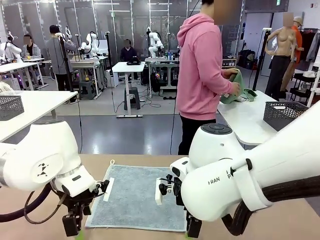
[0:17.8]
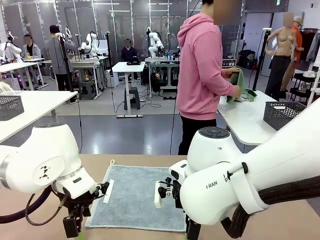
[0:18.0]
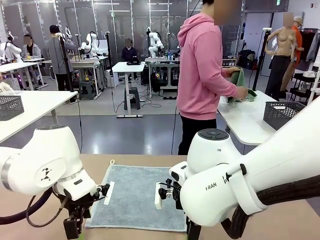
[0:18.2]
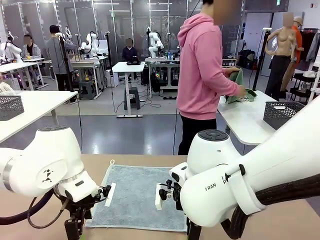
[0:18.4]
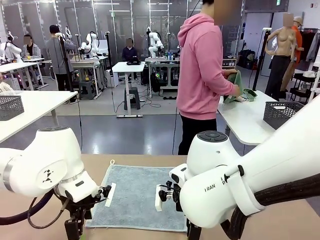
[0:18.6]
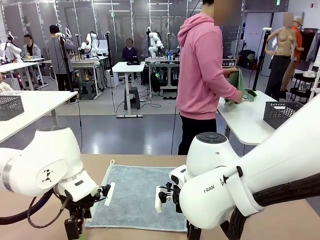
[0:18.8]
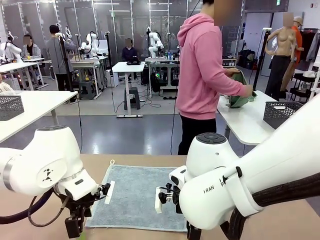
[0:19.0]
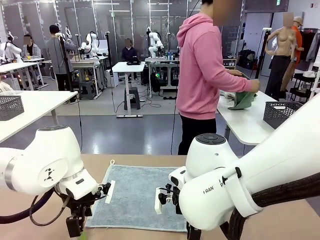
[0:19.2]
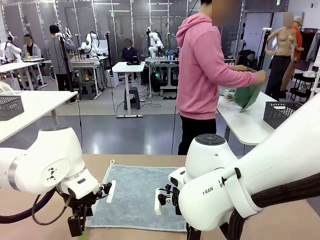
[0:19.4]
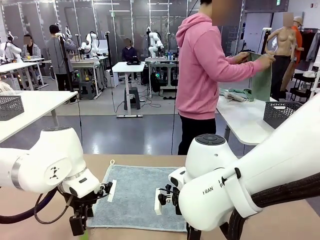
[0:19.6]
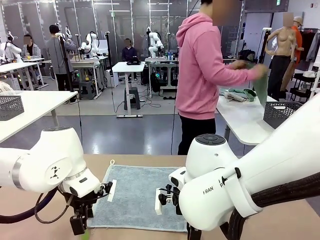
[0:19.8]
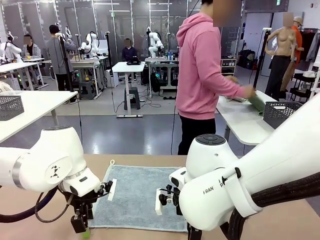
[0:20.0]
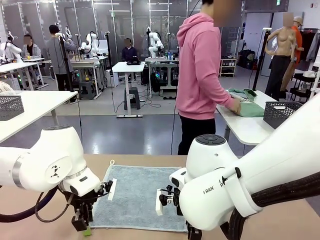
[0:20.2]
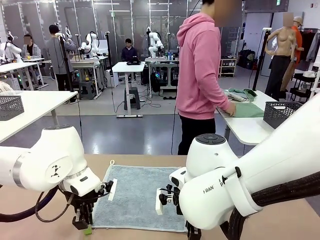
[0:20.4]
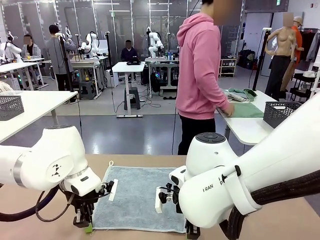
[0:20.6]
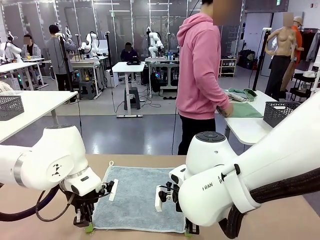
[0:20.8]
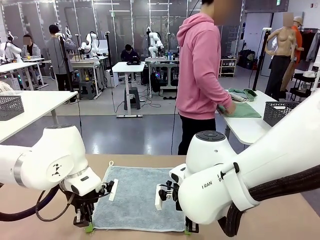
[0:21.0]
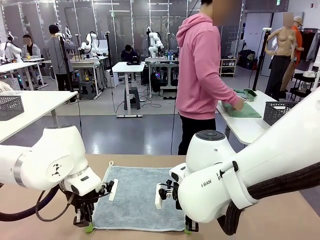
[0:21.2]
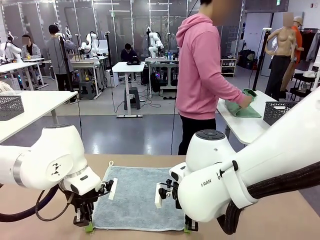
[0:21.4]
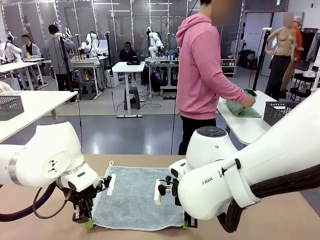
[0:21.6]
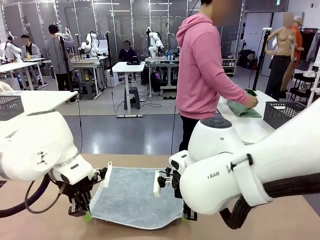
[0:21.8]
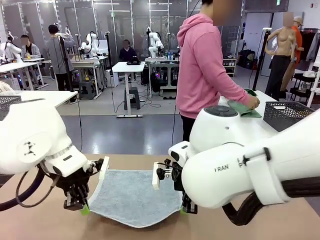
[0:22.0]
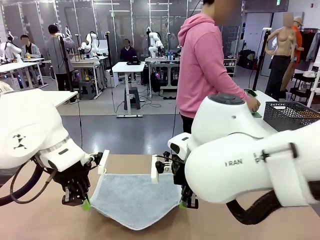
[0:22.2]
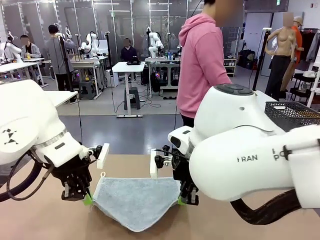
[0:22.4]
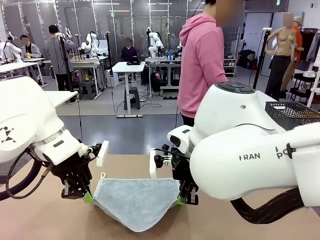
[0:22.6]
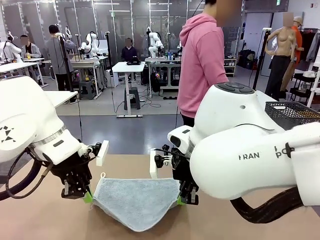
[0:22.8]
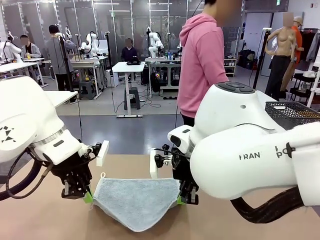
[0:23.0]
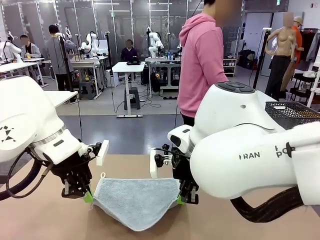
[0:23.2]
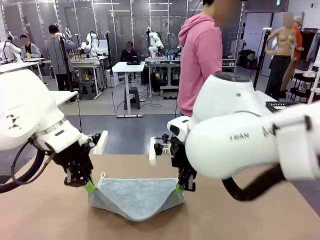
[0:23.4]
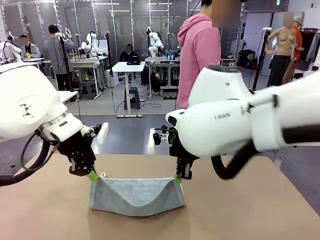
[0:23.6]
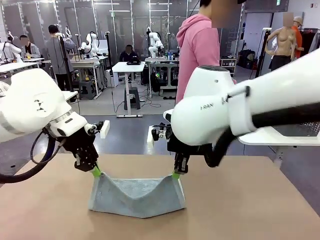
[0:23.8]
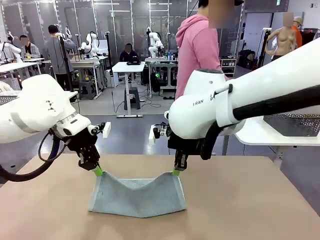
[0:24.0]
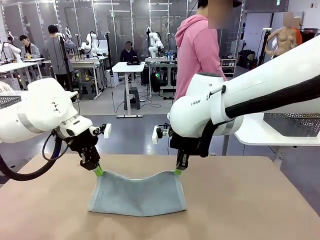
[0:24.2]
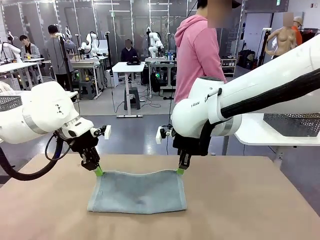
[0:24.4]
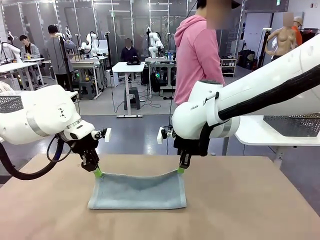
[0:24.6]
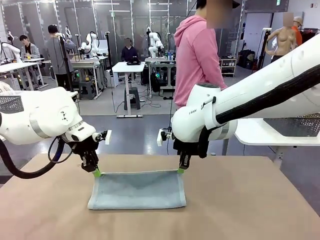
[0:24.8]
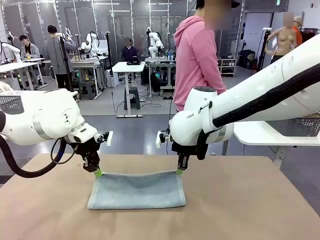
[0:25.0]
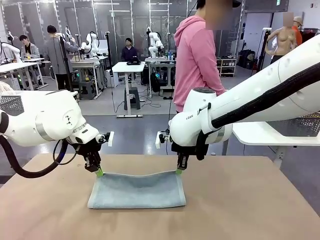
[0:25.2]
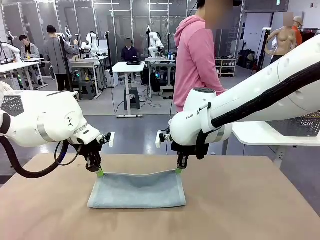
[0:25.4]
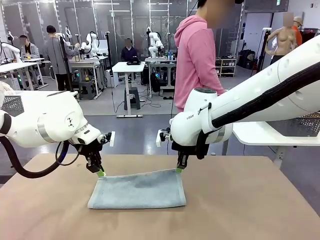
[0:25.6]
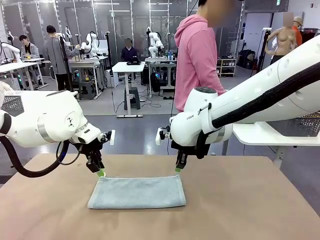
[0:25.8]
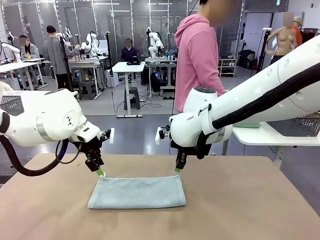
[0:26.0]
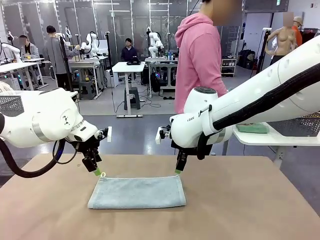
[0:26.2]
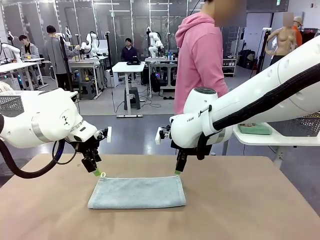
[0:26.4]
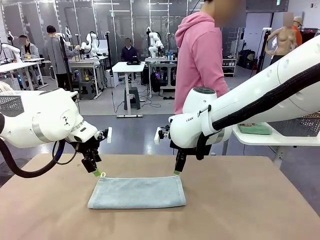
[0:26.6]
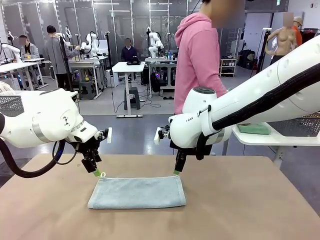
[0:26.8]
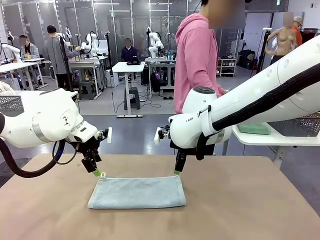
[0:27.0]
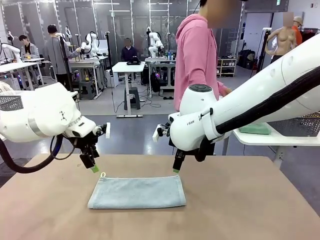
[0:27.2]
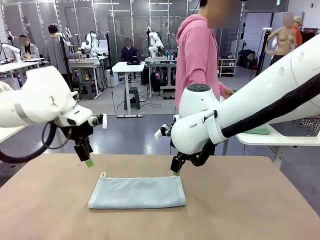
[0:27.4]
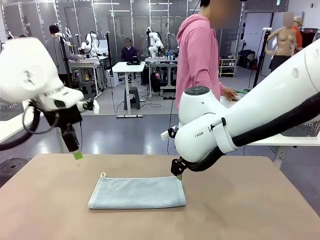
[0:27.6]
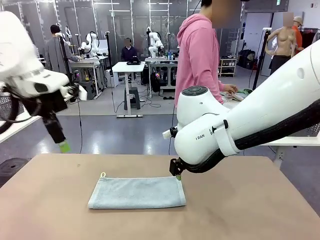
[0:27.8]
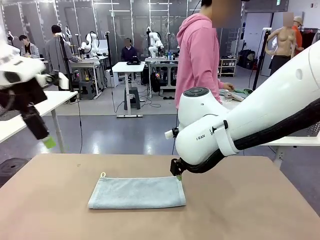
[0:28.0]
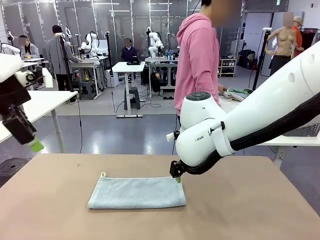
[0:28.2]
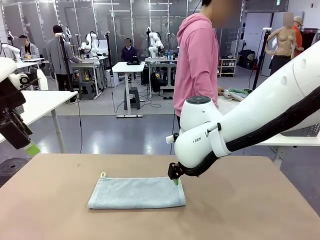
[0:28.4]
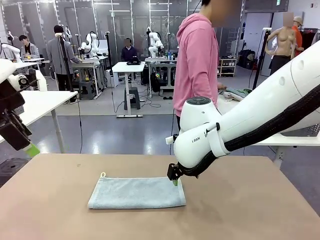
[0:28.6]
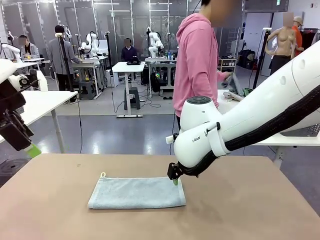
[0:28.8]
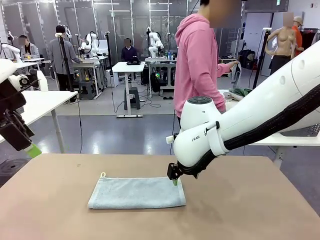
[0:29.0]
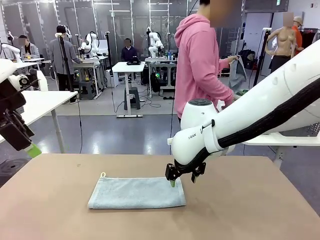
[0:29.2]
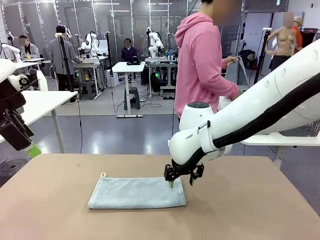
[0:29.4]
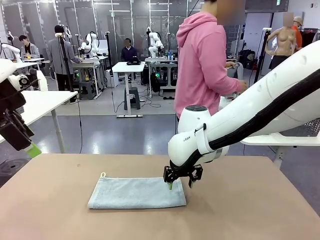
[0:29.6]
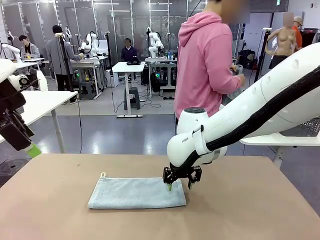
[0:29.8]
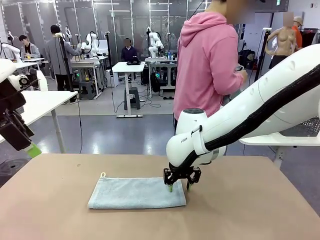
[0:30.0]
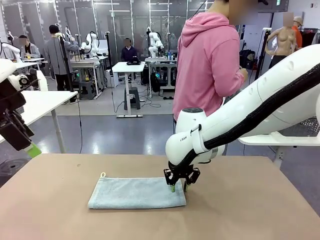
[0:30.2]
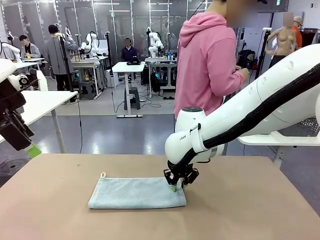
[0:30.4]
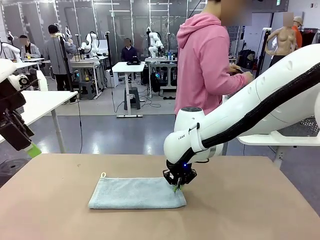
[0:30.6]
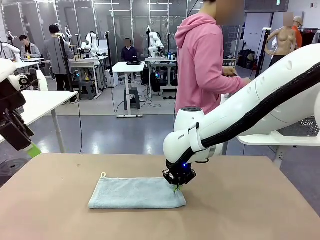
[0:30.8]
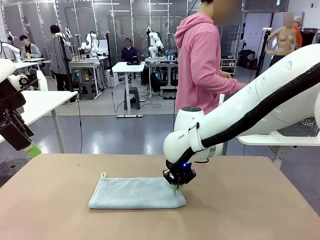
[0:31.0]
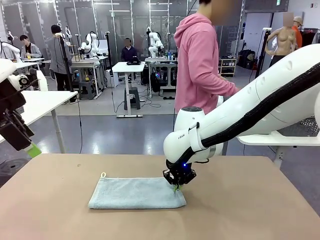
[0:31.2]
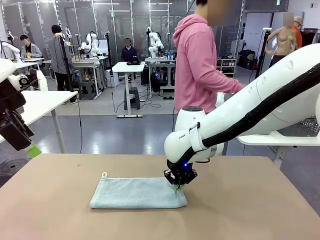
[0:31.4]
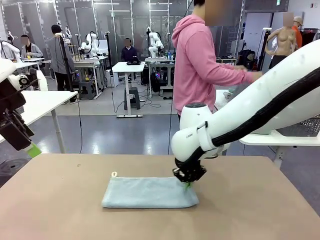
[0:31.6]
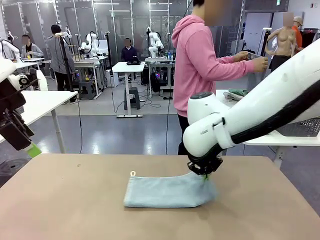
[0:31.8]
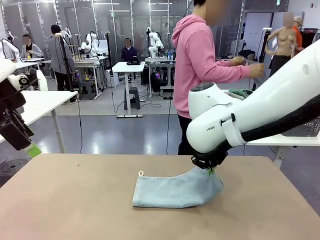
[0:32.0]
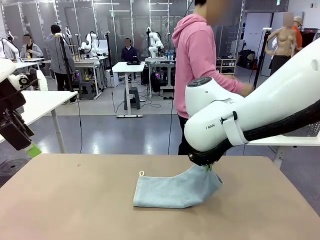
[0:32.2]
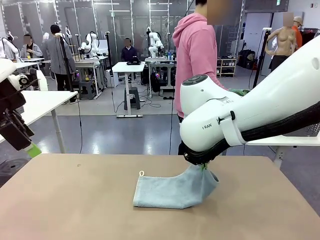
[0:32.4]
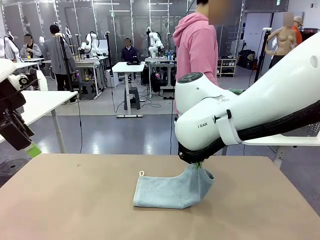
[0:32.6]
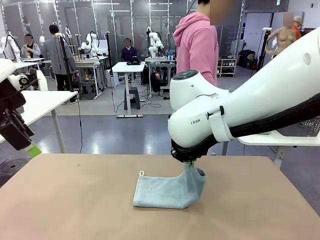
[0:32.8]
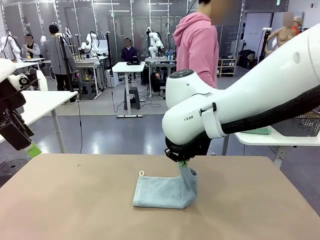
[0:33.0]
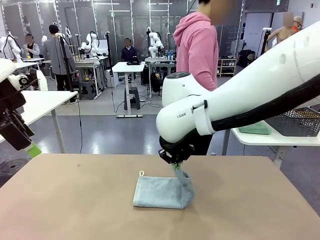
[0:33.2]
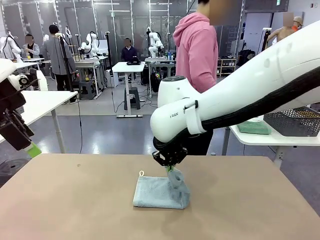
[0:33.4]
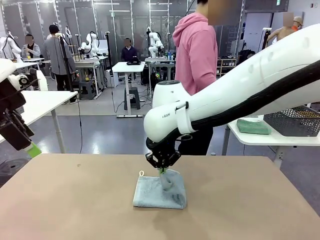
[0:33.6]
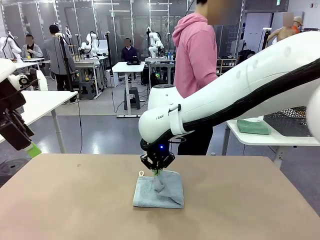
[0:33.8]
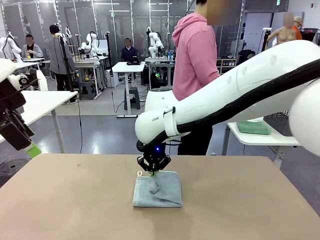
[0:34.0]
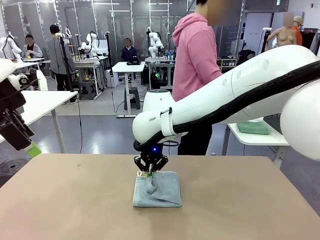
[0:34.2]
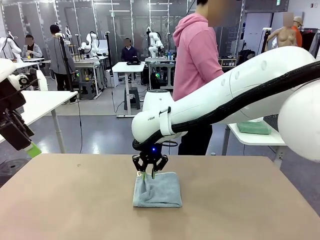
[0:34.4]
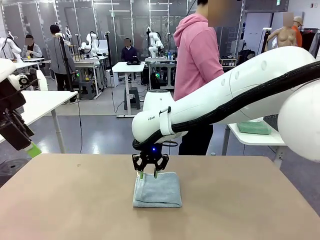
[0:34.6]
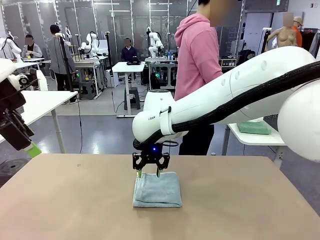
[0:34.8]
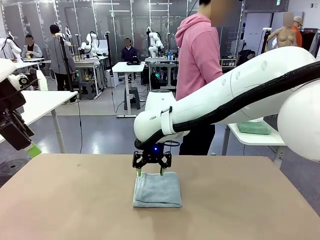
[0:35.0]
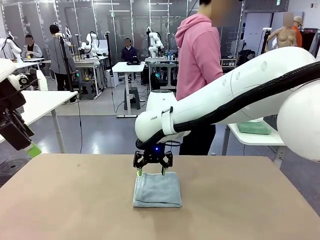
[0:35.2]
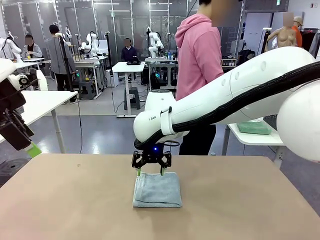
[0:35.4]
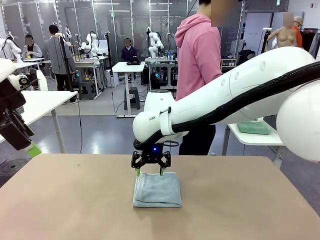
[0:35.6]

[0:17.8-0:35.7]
Task: Fold the towels and place them in the basket.
Robot: When a person lays out a Towel with hook on the table, fold it in half twice.
Person: Pick up one towel from the left side of the human table, fold it in half twice, and place it on the right side of the table. Pick up one towel from the left side of the human table, fold it in half twice, and stack it on the right side of the table.

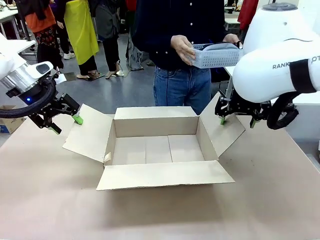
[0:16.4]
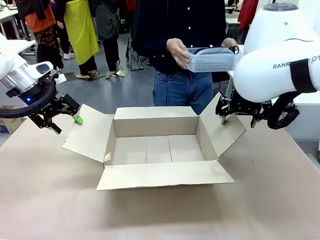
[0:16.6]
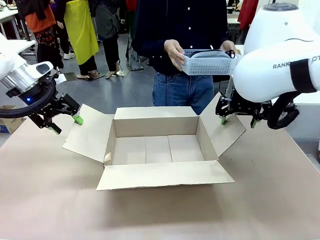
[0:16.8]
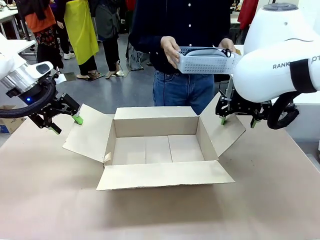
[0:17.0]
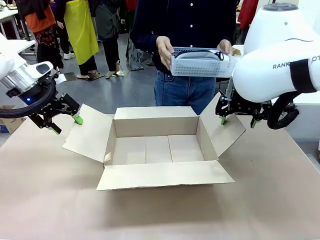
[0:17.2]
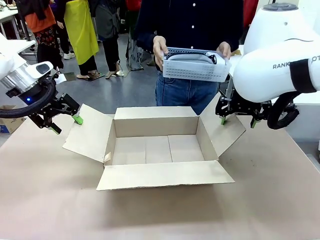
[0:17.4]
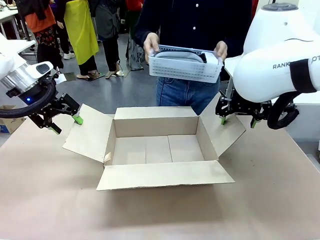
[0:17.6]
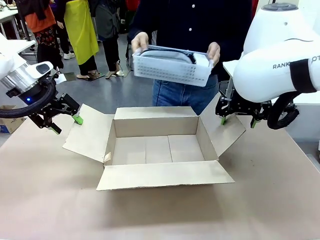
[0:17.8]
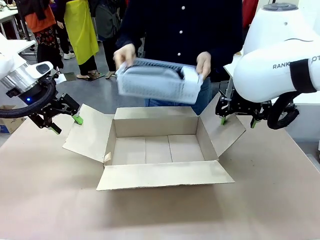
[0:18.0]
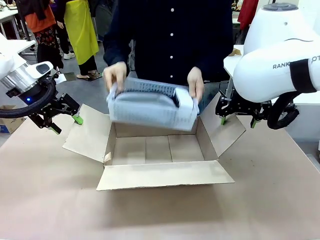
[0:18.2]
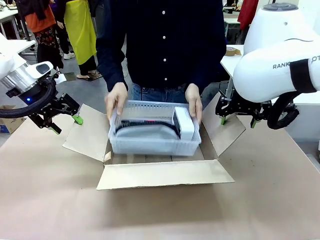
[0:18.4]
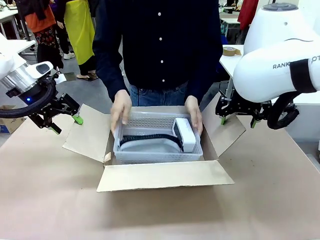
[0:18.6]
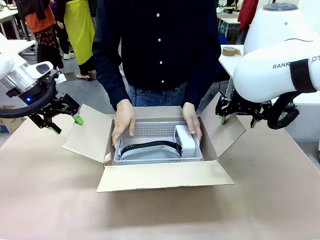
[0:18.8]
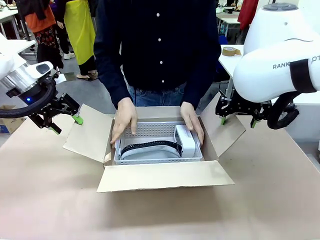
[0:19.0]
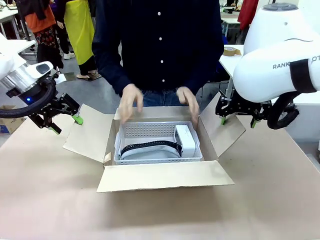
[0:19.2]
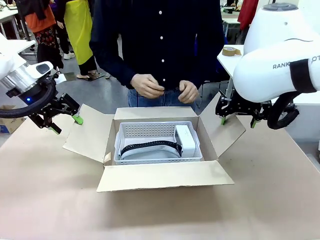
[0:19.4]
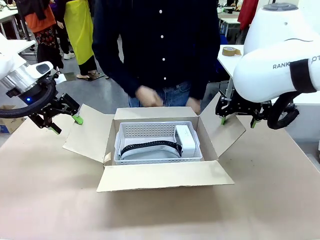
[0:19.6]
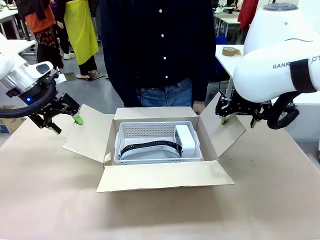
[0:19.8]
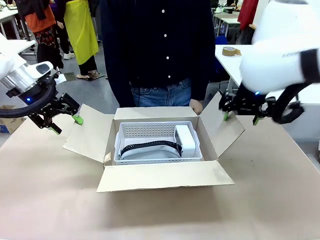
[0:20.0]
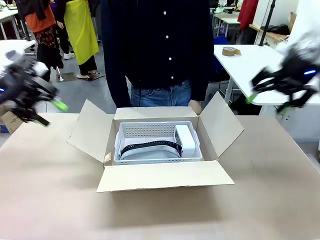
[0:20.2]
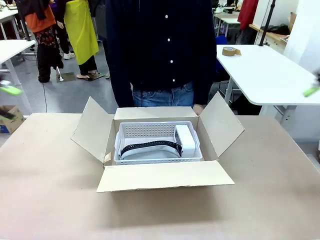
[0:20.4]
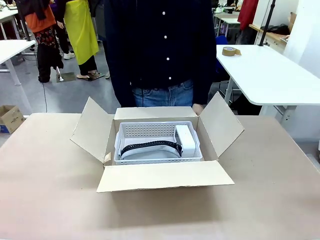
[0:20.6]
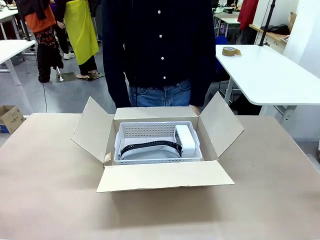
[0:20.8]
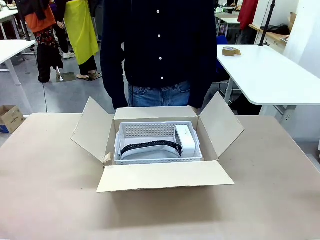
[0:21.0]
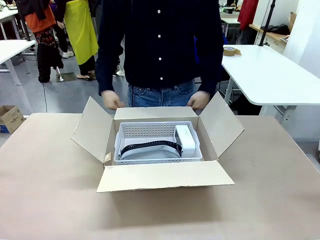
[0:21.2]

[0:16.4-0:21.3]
Task: Pack the gift set into the box.
Robot: Lift both hands away from the flaps of the Package Box.
Person: The human picks up the organizing basket and places the organizing basket into the package box on the robot table.
